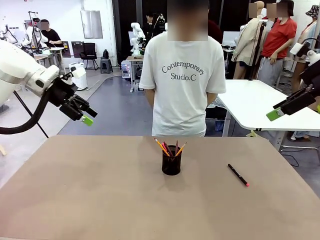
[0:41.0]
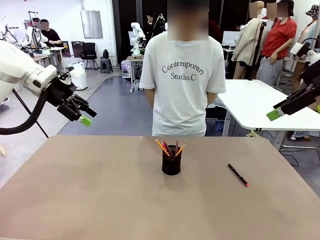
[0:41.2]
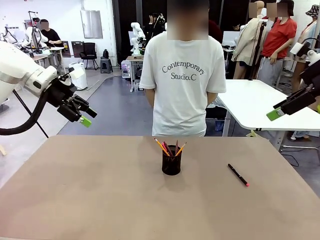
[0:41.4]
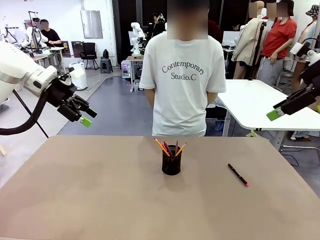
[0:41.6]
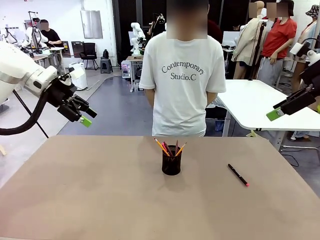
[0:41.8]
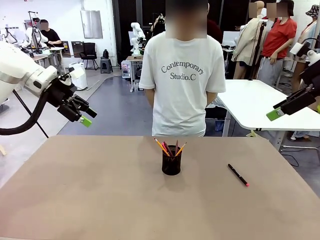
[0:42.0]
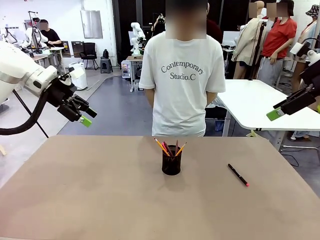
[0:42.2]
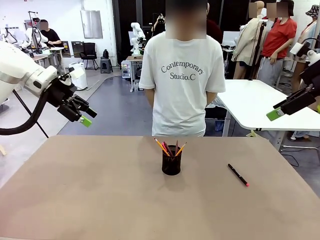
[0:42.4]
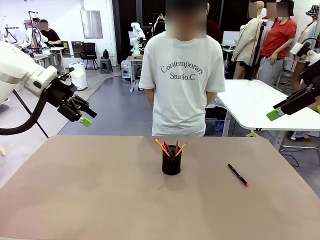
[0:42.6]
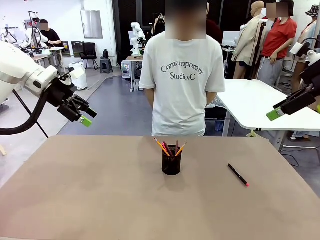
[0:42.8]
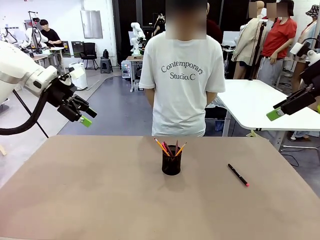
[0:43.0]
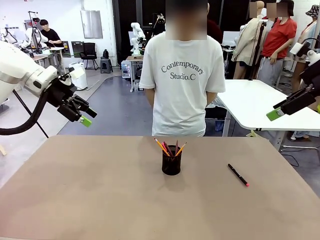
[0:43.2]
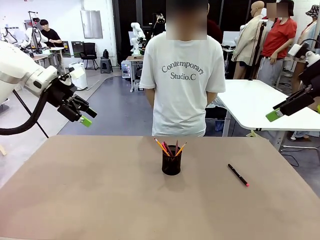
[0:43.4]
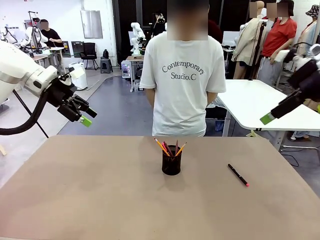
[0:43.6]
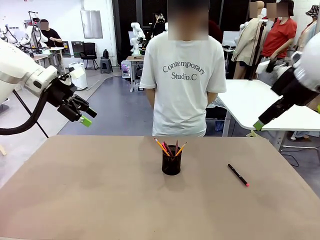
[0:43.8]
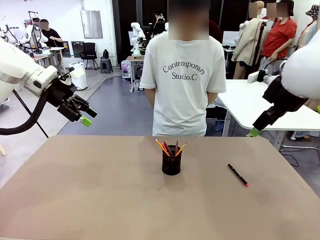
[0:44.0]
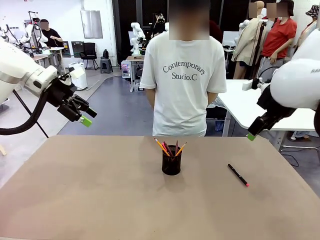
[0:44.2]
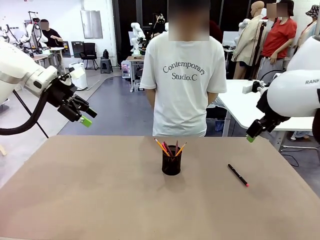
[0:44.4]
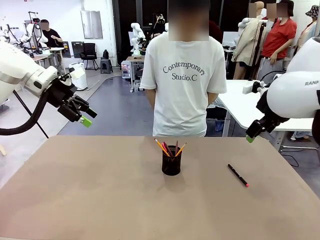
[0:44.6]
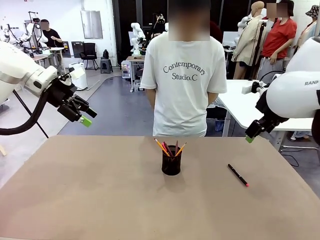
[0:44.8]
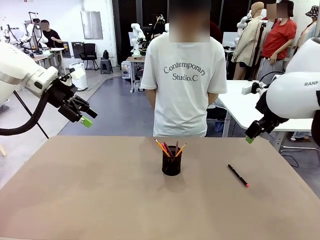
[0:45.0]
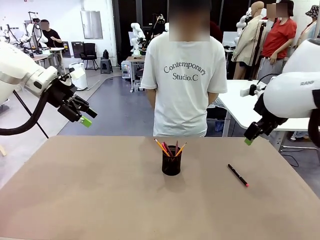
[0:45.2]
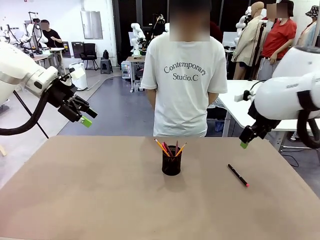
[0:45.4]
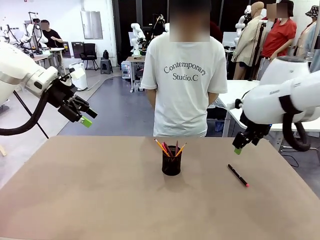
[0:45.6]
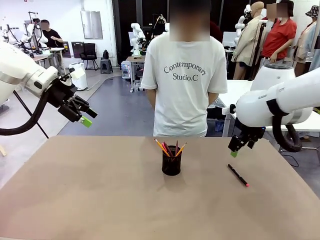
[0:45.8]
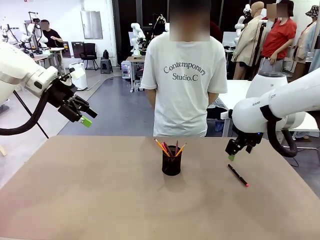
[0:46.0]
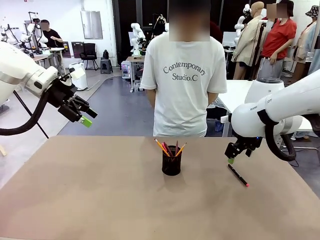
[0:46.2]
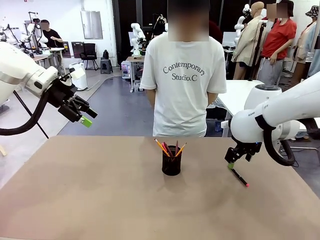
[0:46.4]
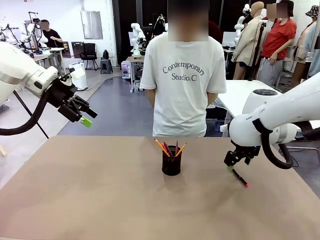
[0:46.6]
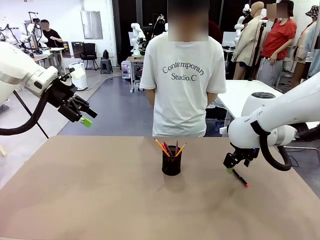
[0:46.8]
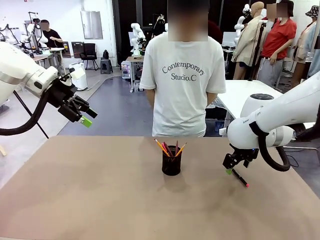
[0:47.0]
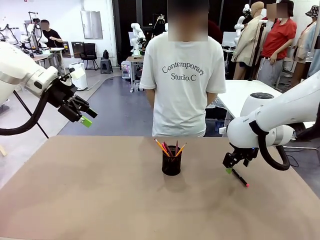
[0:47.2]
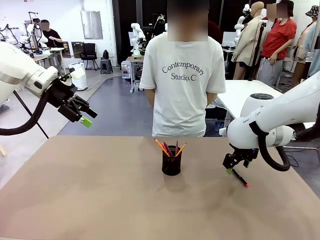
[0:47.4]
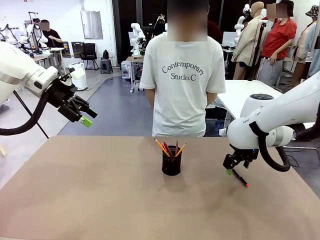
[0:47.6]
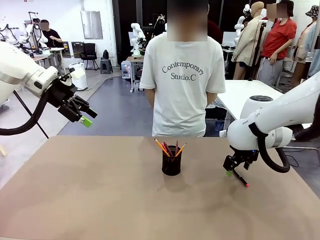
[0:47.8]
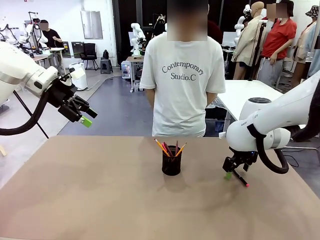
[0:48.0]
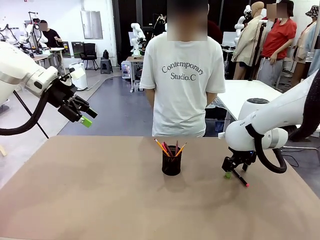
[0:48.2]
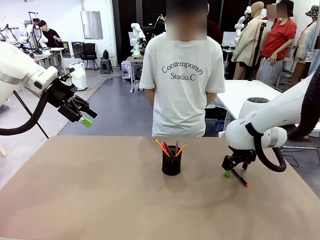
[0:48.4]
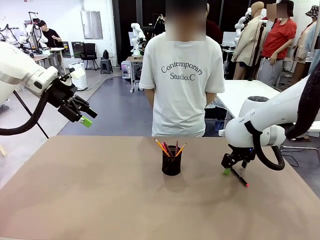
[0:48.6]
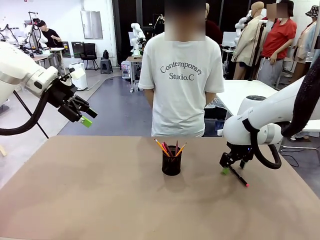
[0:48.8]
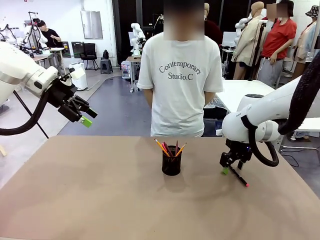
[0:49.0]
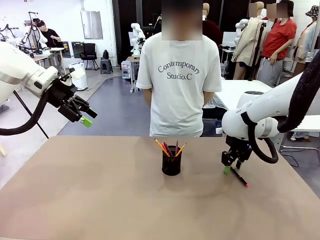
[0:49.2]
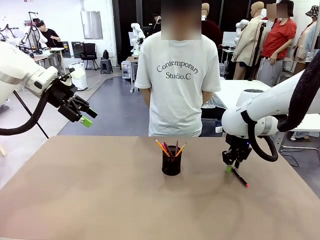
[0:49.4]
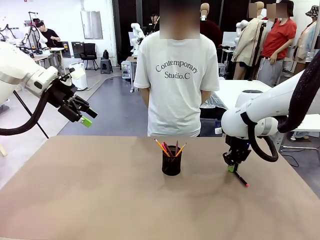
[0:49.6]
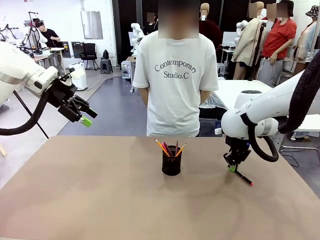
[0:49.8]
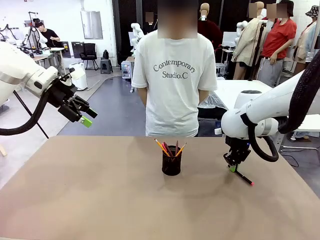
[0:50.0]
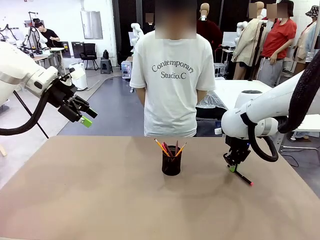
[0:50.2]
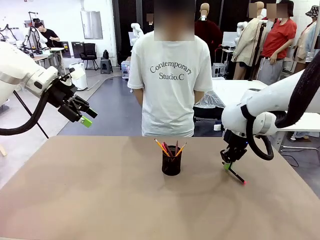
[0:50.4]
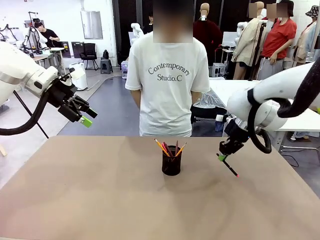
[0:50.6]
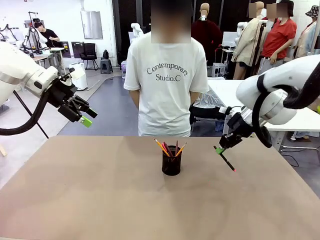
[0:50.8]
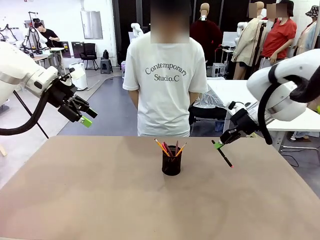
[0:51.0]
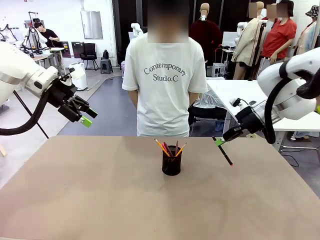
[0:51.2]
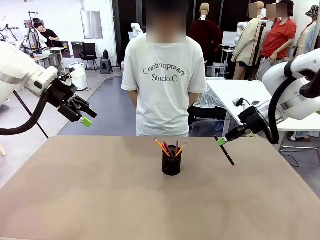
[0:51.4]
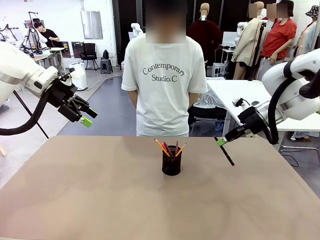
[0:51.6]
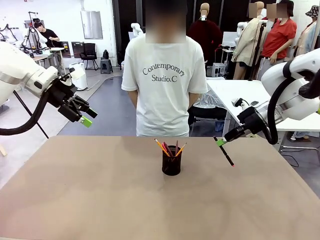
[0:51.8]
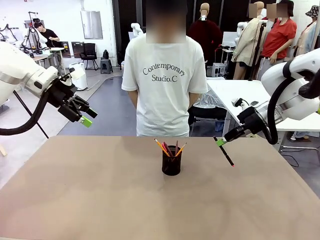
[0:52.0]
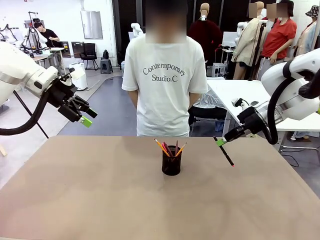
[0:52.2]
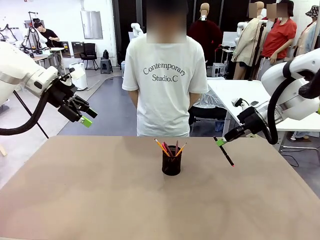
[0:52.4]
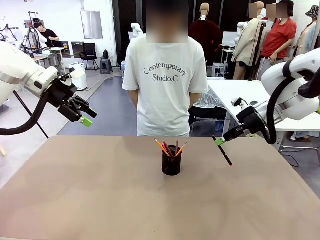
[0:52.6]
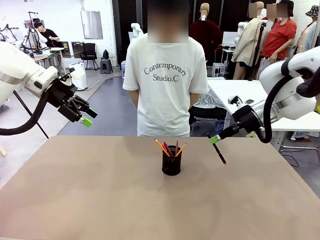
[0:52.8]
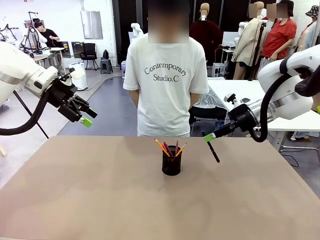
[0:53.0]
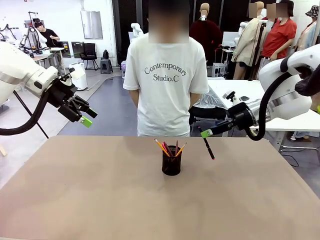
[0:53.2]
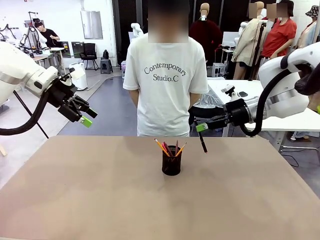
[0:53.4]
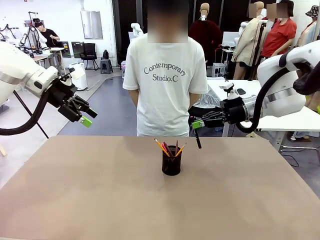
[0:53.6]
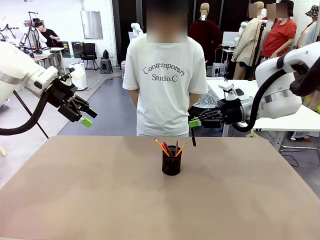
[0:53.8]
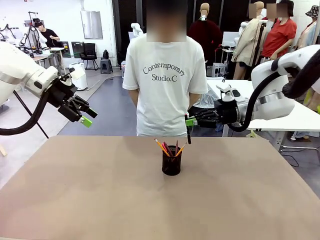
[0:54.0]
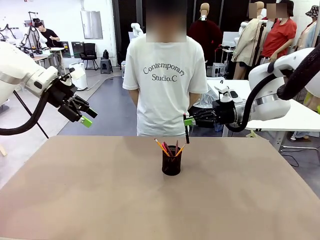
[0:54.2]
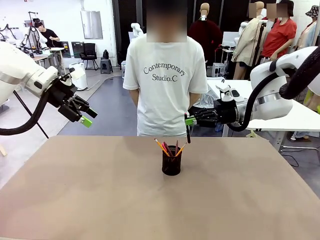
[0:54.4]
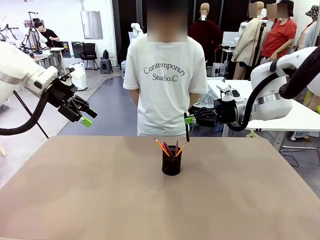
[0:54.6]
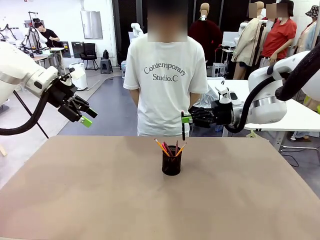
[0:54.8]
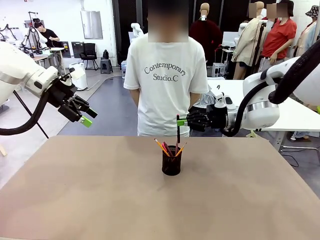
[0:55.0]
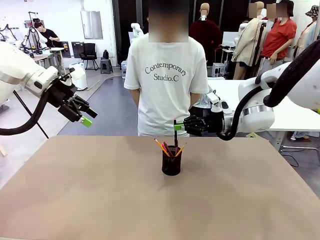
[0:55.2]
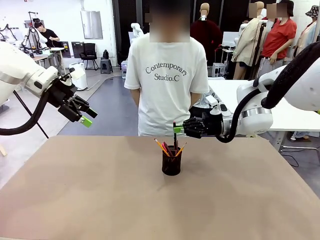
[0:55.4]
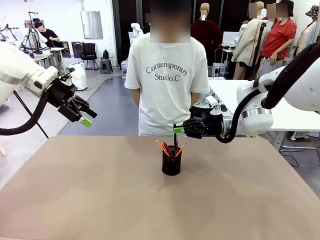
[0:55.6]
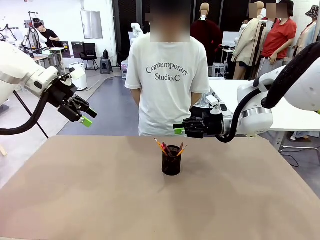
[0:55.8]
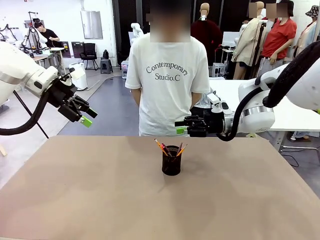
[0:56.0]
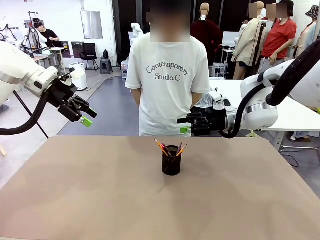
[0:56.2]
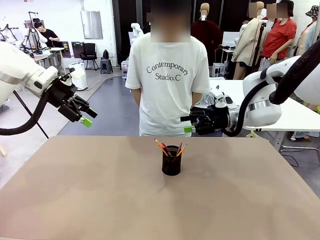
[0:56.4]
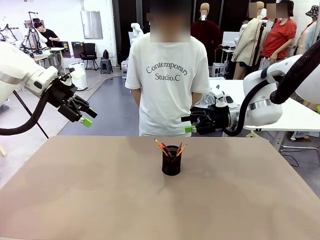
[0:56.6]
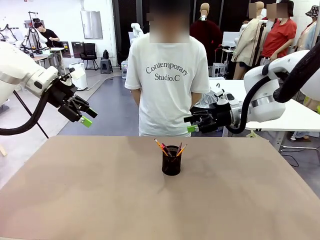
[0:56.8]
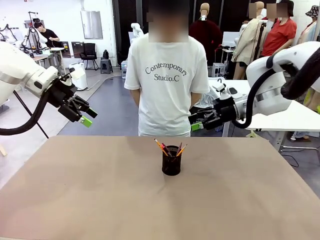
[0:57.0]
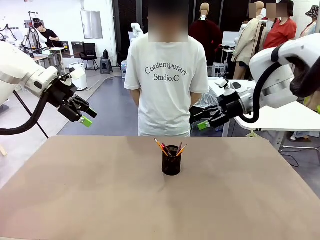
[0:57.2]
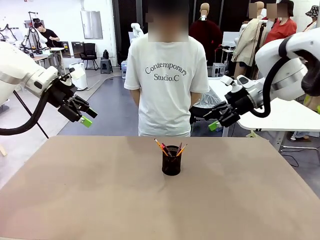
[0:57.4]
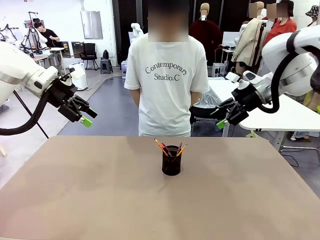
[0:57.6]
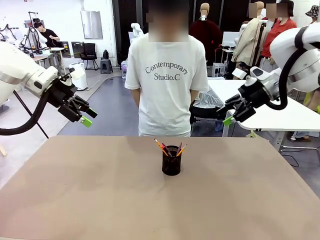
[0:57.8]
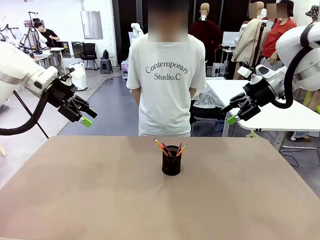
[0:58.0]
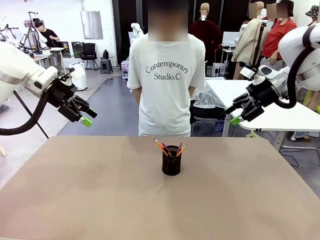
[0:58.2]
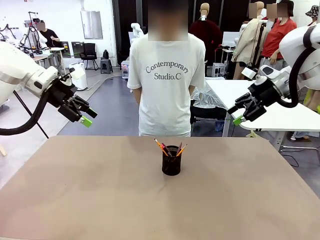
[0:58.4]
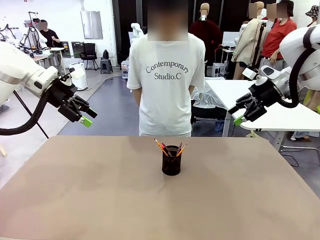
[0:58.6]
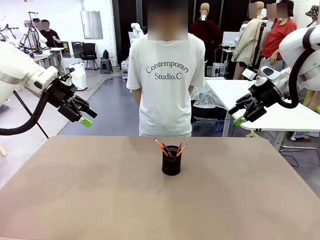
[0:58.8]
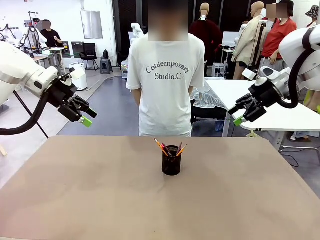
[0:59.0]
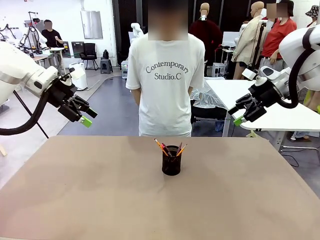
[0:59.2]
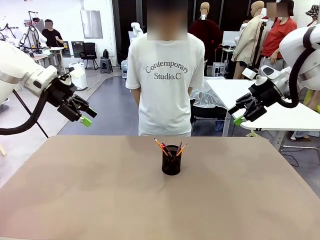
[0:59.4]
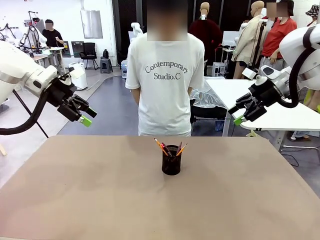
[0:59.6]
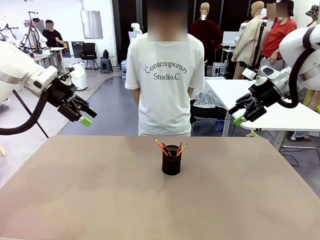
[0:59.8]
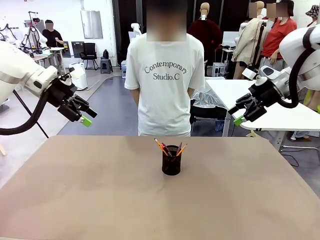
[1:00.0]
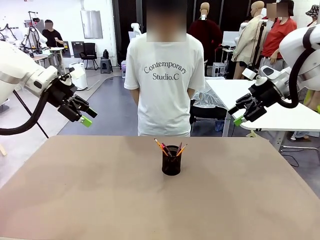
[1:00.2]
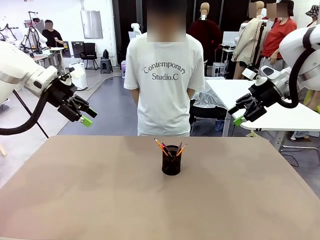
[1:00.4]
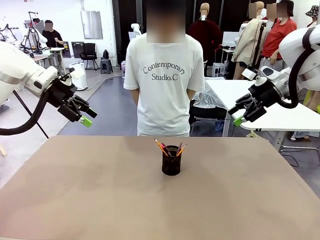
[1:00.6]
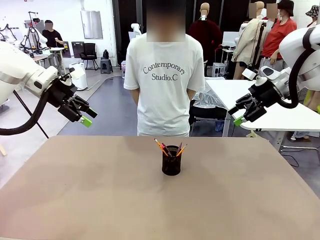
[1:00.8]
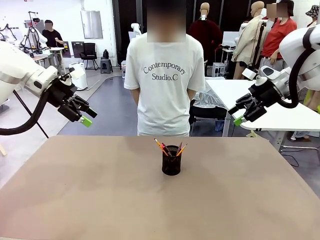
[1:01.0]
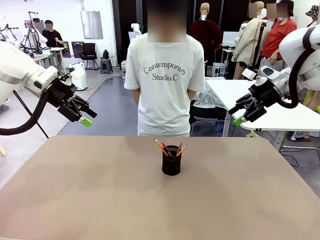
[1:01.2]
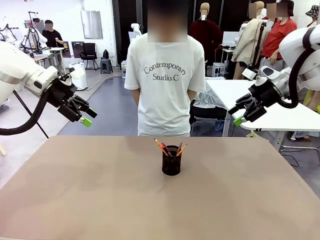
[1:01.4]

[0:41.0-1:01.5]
Task: Place the pens into the pen holder.
Robot: Pick up a writing instrument from the table and place it into the Pen holder.
